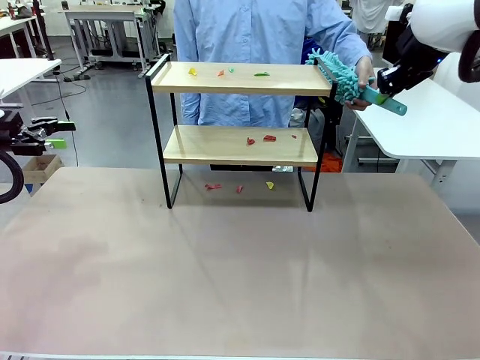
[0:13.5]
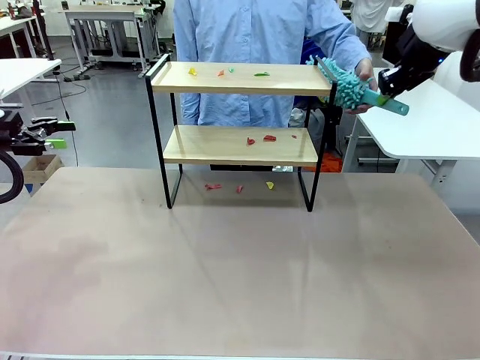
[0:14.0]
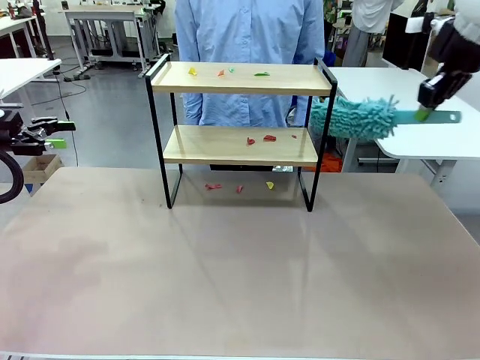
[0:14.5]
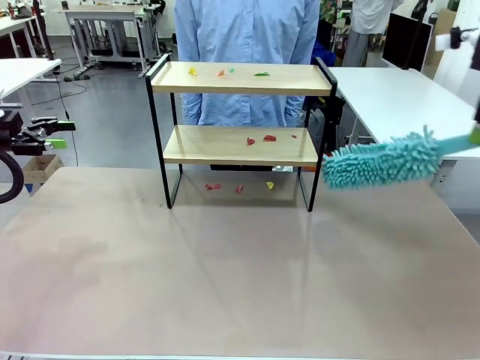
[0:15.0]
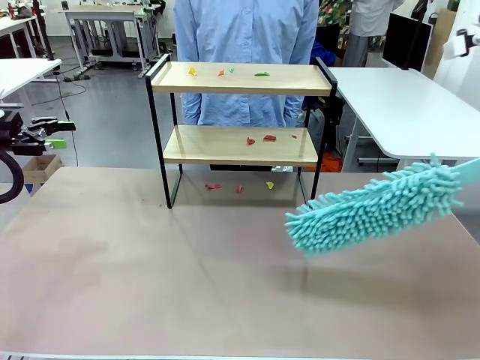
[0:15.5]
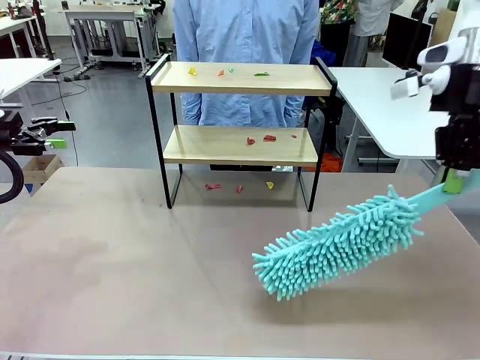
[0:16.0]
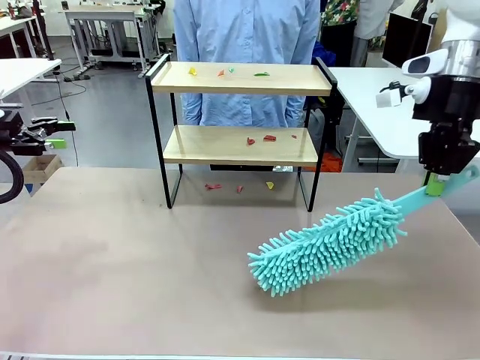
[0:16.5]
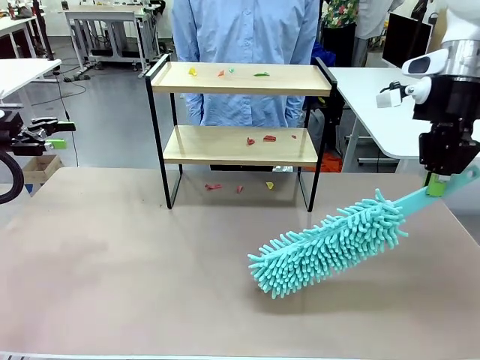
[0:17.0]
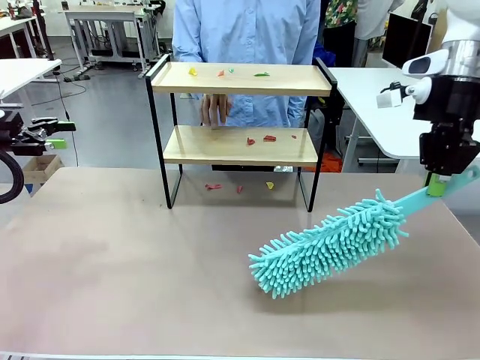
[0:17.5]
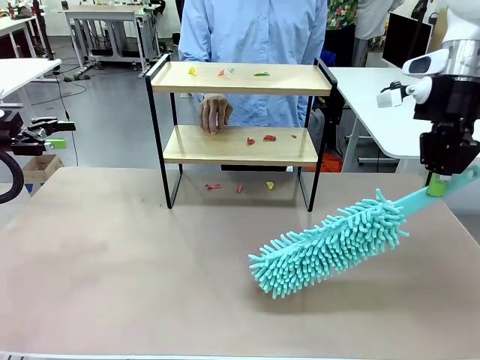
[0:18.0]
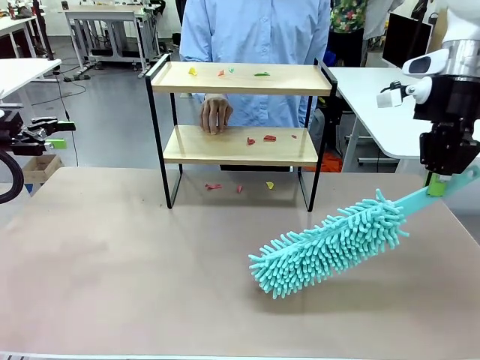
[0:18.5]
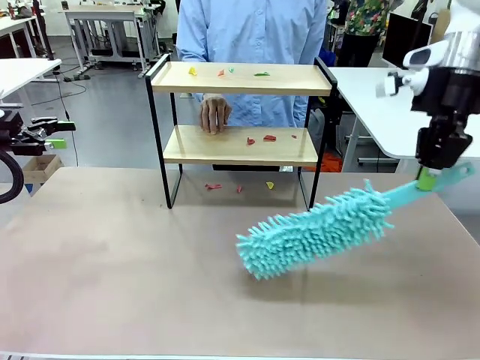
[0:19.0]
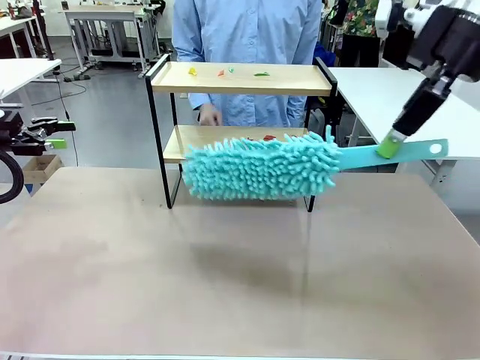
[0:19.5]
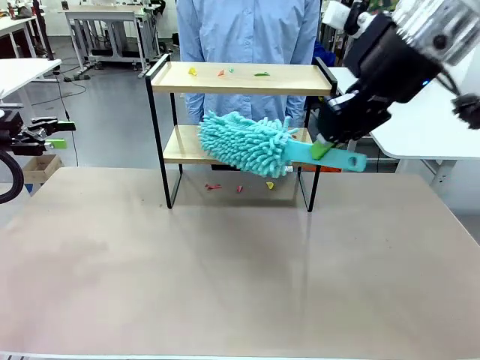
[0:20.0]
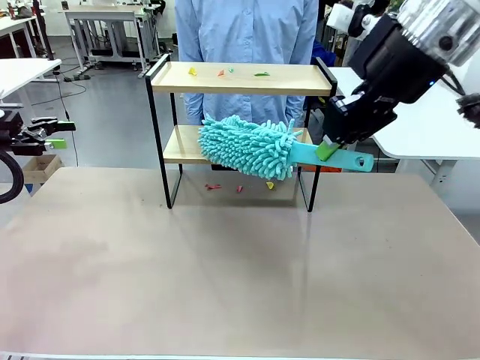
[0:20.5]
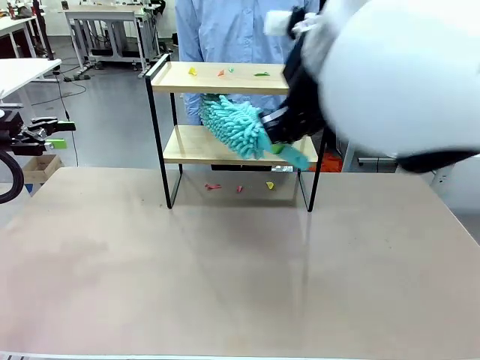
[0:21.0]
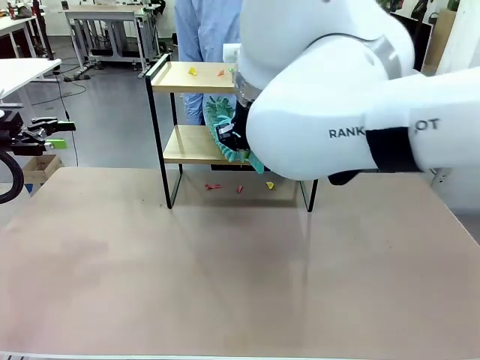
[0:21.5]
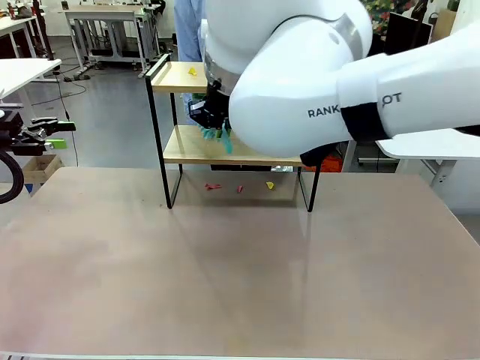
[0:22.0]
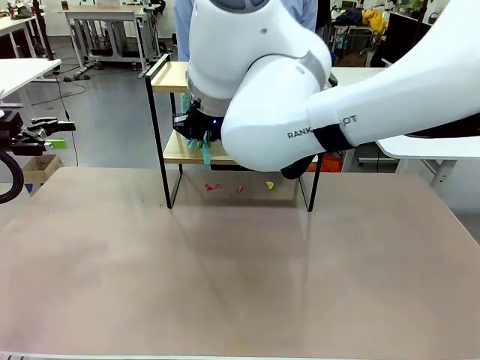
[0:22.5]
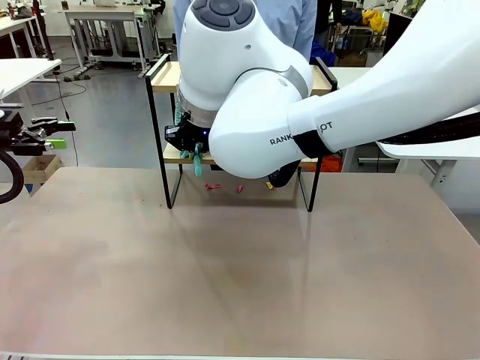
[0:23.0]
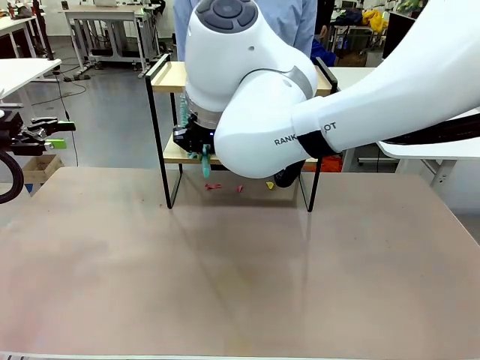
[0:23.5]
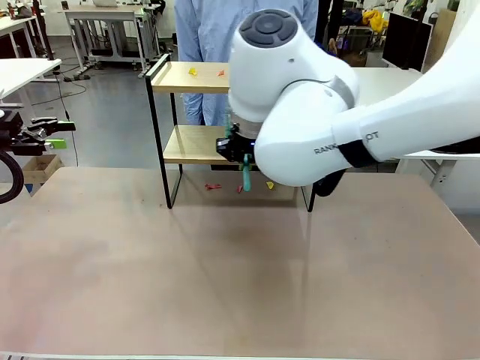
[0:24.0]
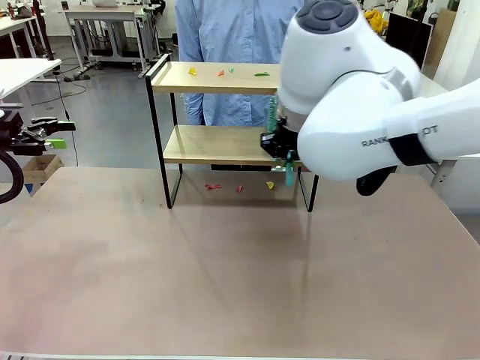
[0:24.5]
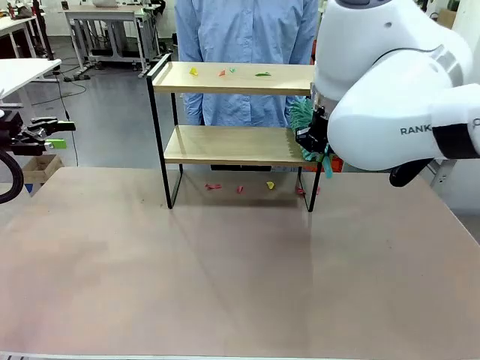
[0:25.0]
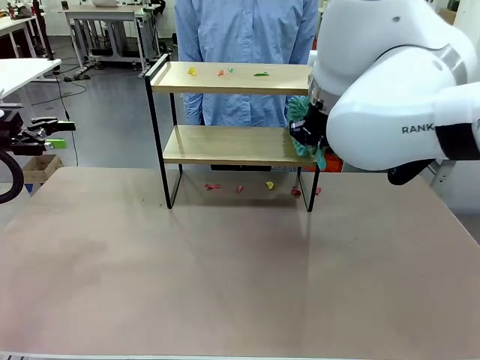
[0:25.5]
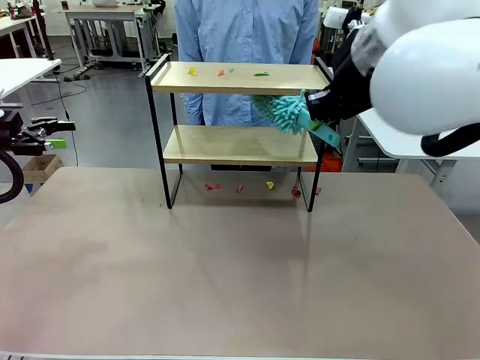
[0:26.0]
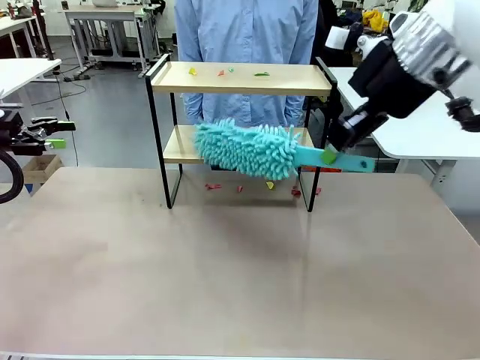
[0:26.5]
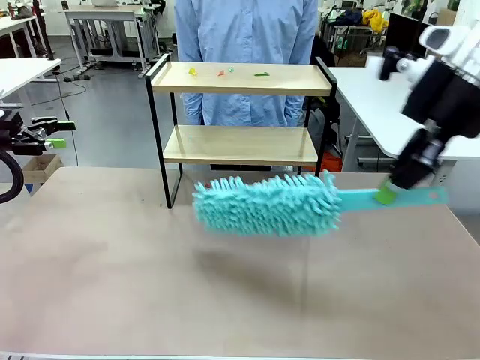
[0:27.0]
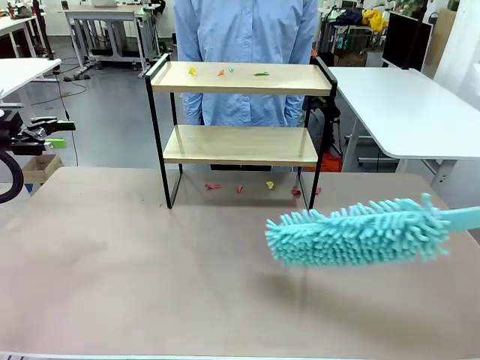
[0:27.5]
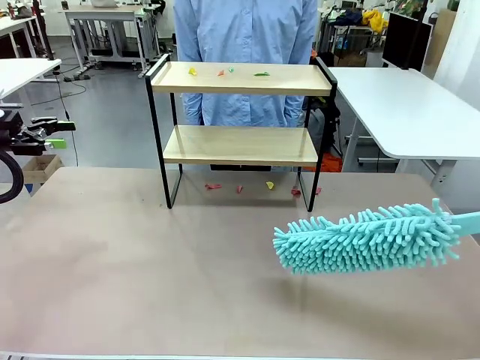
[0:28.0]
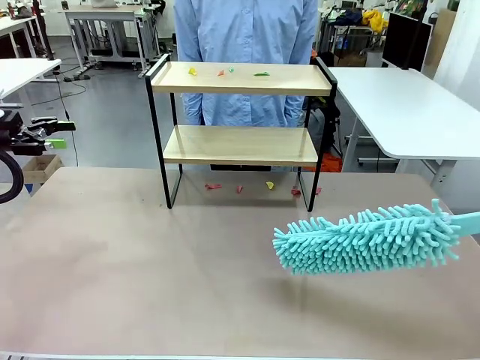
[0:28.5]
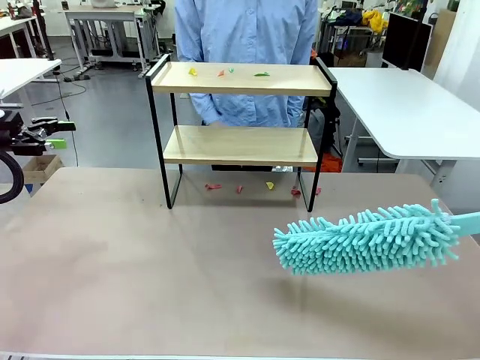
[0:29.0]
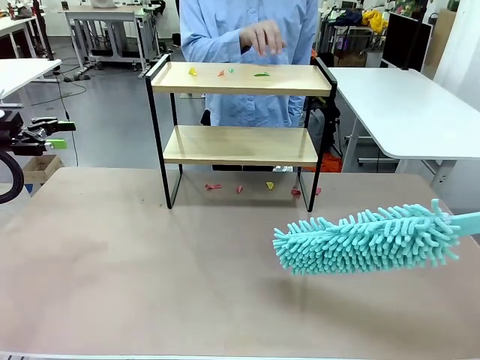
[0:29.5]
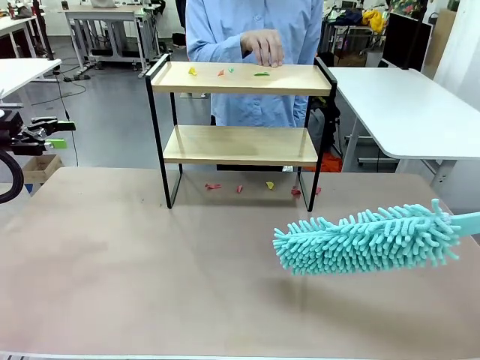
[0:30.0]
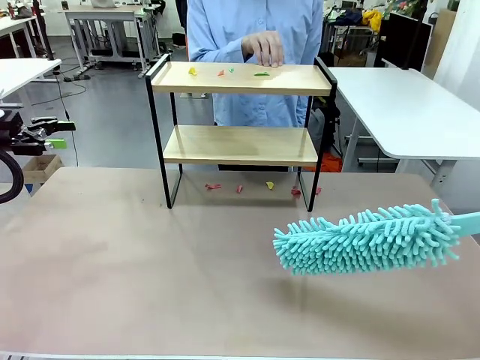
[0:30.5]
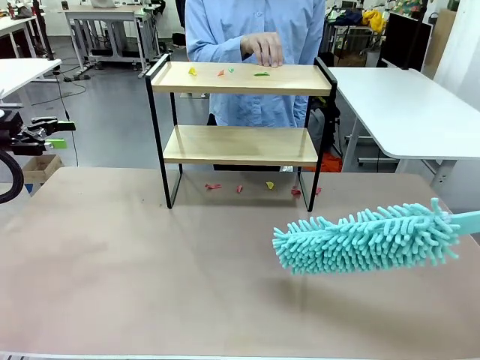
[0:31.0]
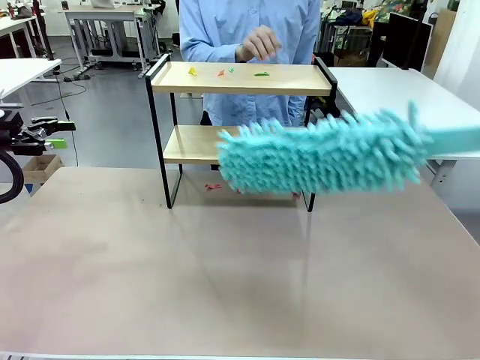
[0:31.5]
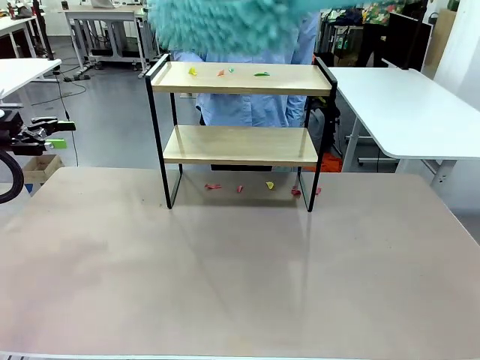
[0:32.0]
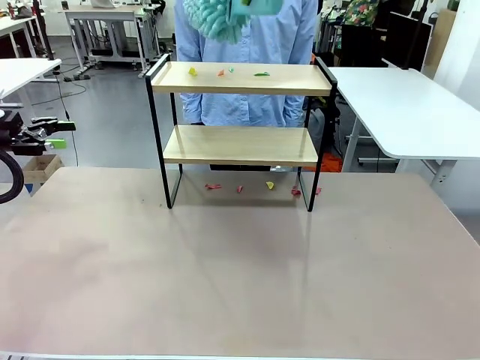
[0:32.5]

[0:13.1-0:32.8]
Task: Clean the shelf.
Robot: Clean the specific section of the Shelf indicated by the human with the Duster.
Person: Point a random section of the Shelf.
